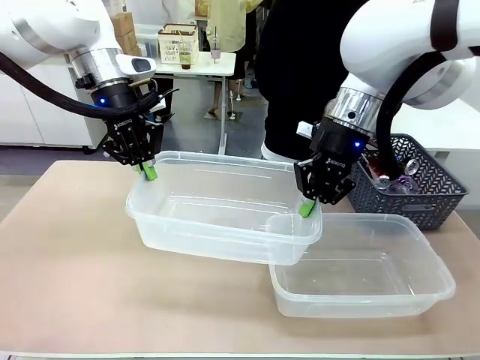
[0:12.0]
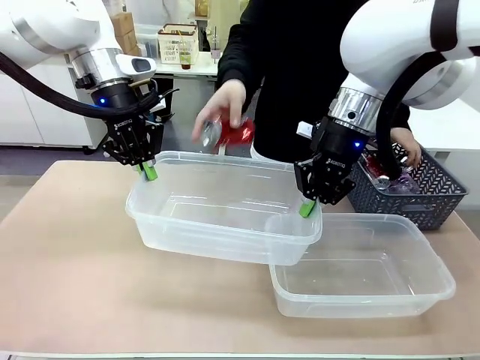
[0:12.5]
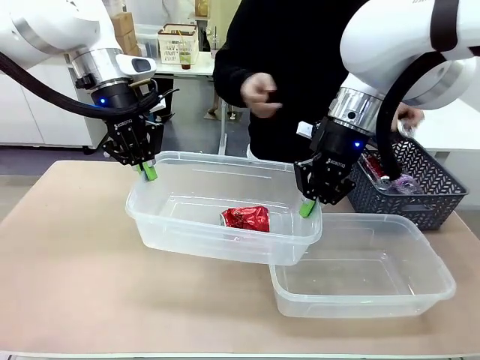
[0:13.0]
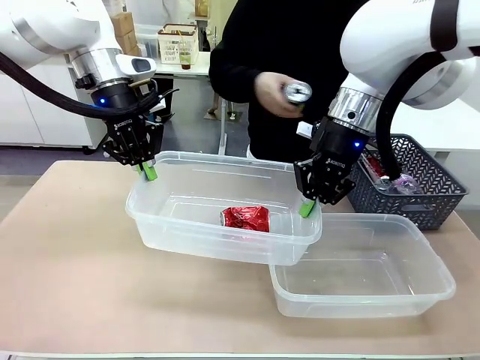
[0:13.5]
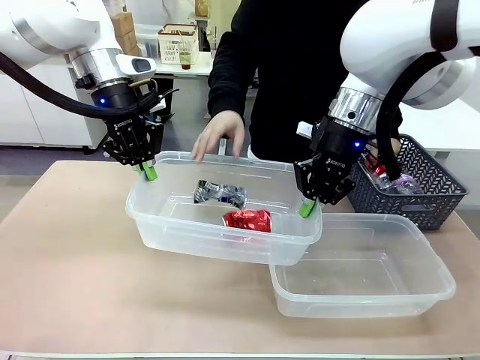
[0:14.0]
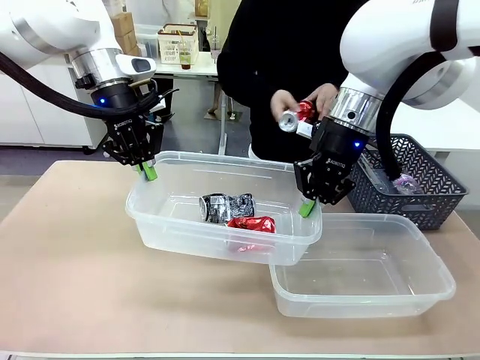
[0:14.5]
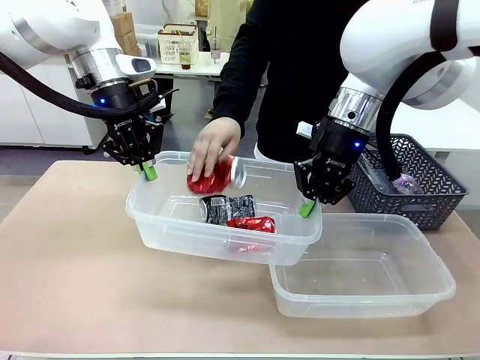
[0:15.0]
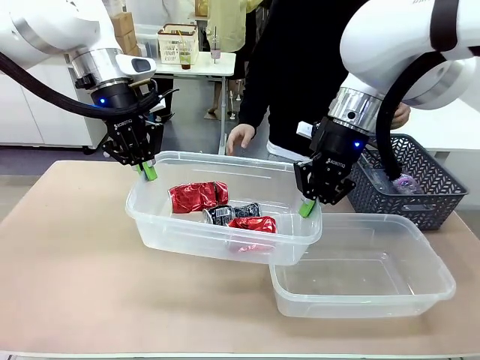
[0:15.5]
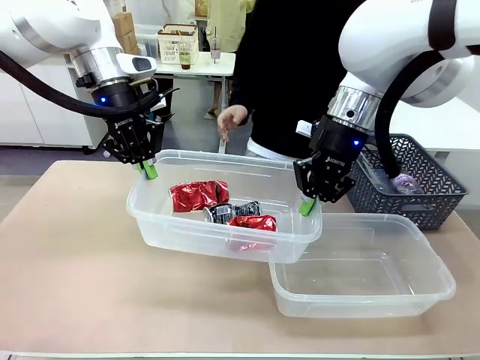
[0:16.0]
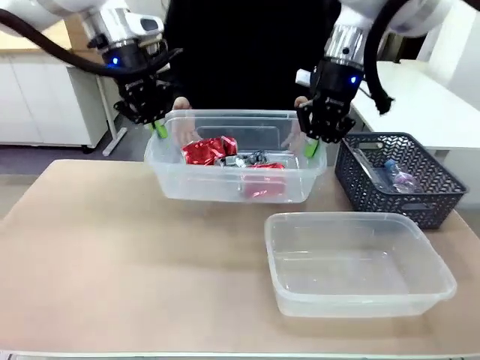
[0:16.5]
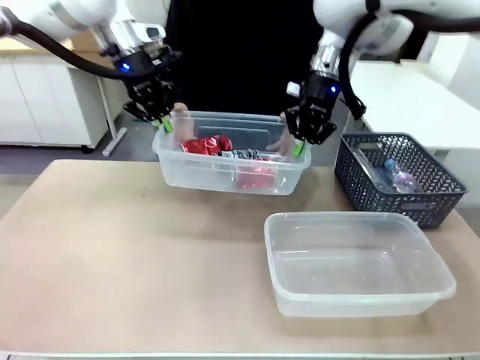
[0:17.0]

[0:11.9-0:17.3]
Robot: Offer the picked Organizing box to the human.

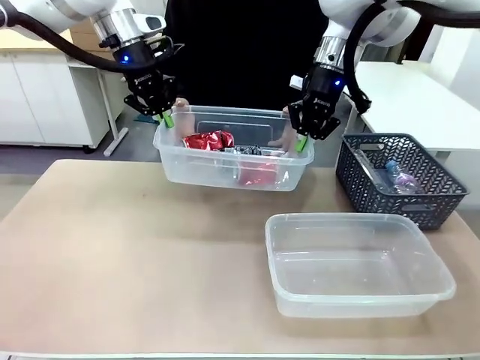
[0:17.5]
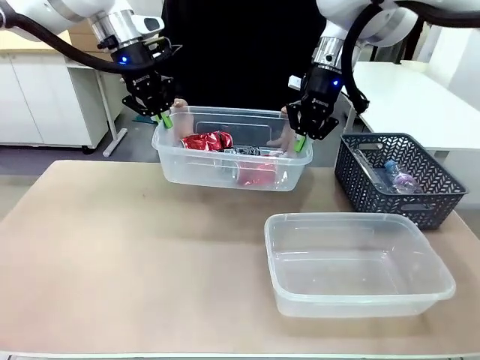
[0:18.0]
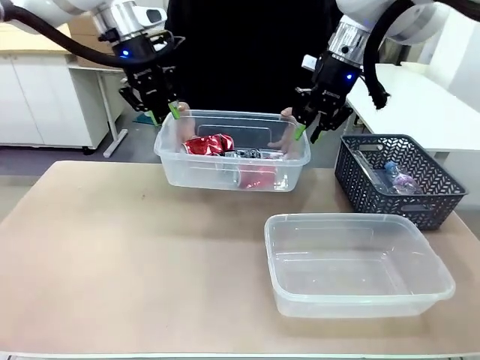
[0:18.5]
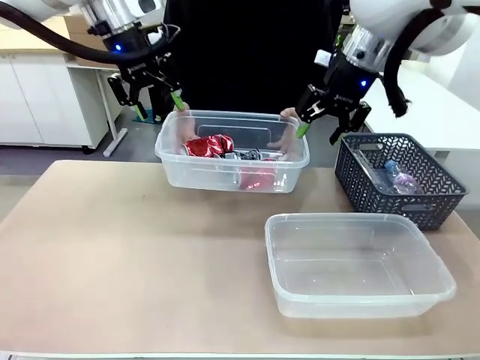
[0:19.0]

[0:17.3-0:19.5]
Robot: Release the Organizing box you were holding.

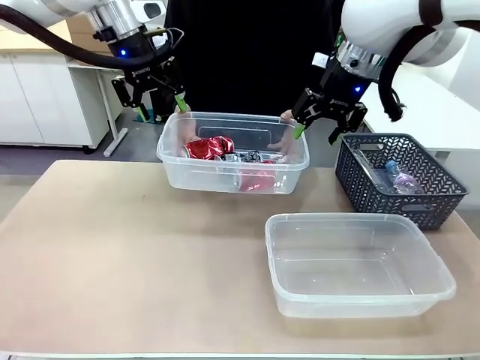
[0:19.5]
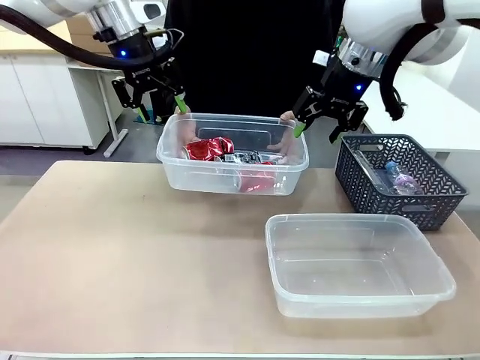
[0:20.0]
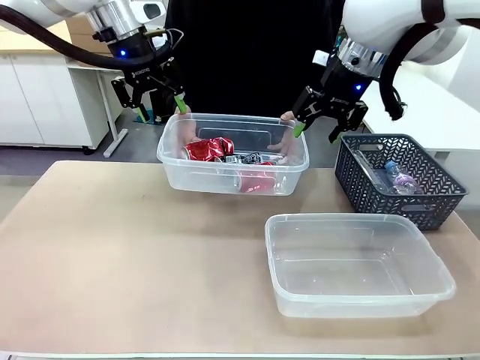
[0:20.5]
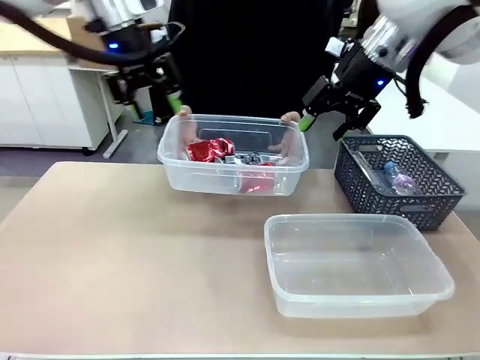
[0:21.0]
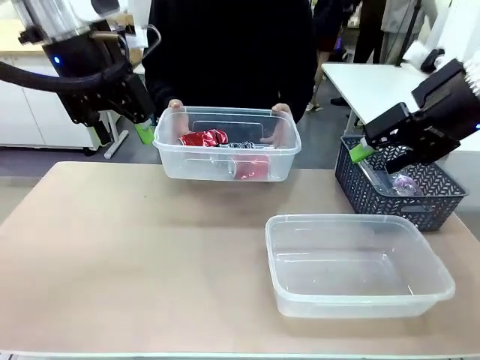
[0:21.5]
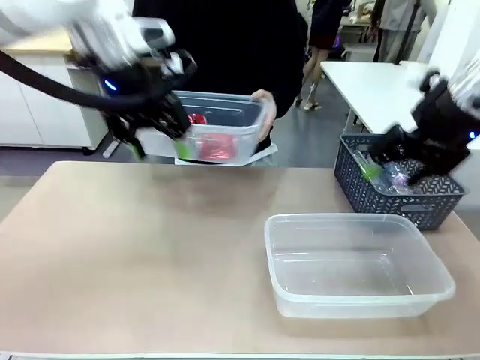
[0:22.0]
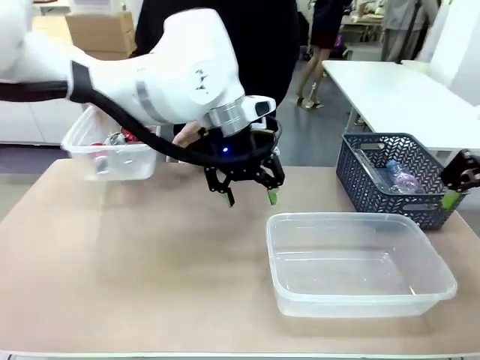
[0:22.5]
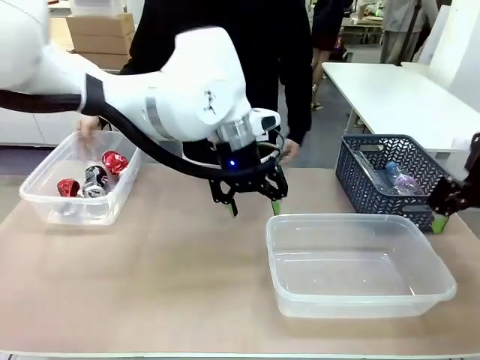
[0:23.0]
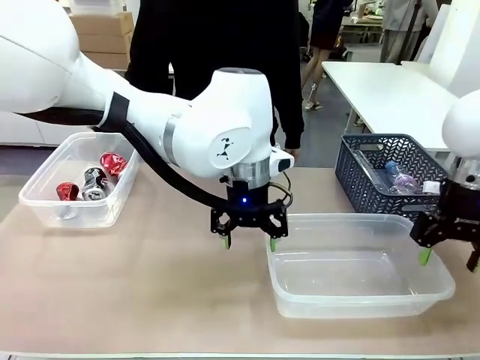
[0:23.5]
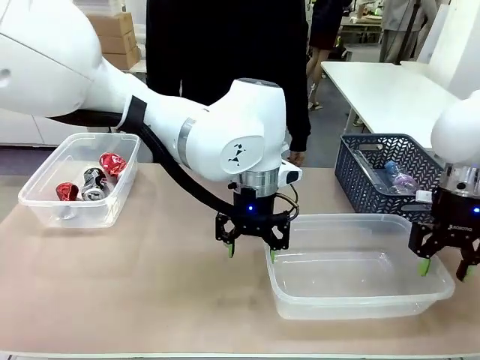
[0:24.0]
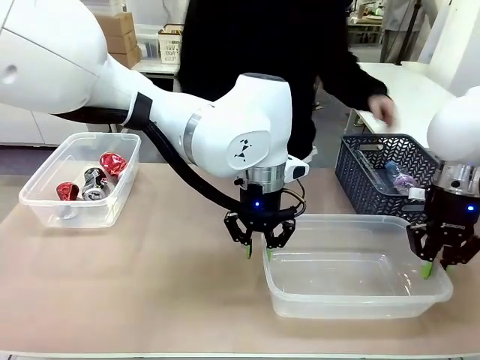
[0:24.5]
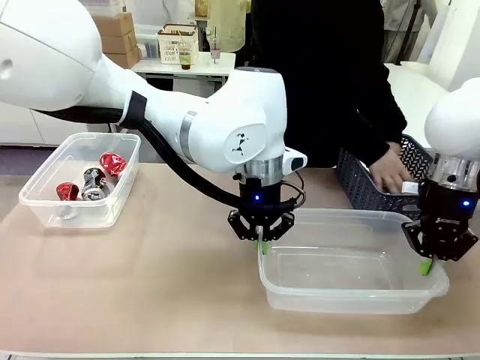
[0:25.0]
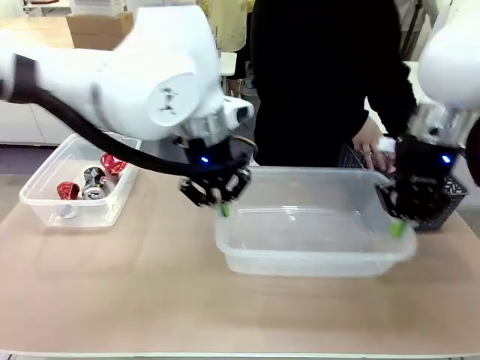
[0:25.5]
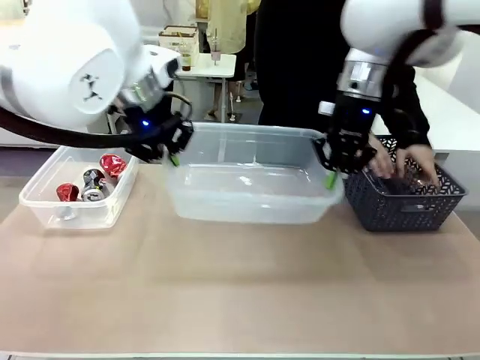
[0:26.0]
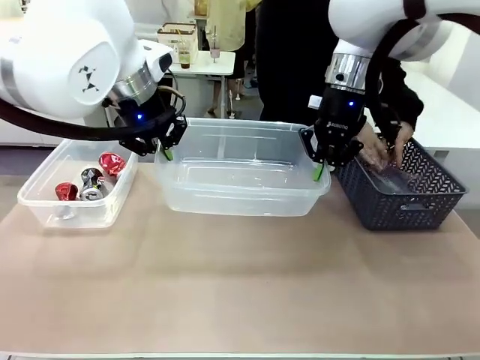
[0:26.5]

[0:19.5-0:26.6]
Robot: Pick up the Organizing box on the right side of the table and lift it.
Person: Place it at the edge of the bottom right area of the robot table.

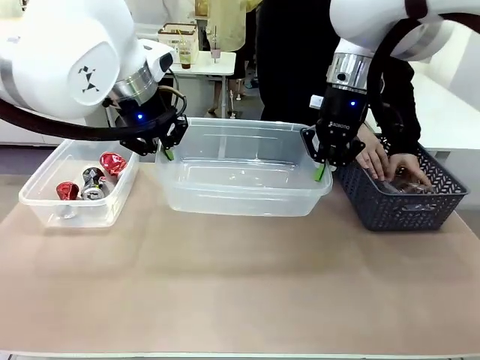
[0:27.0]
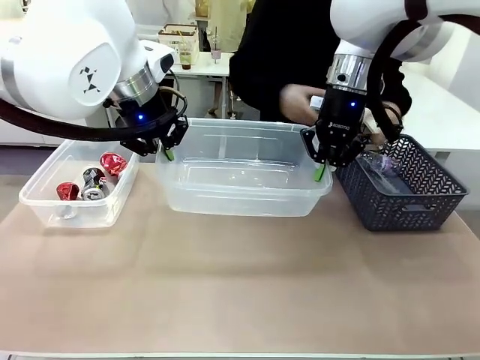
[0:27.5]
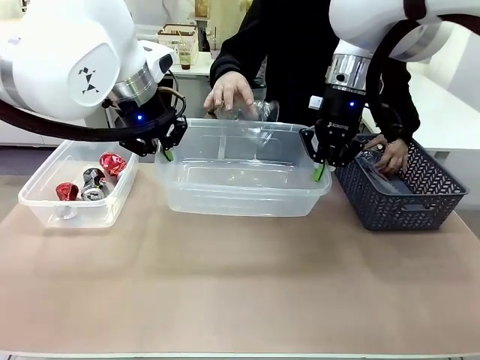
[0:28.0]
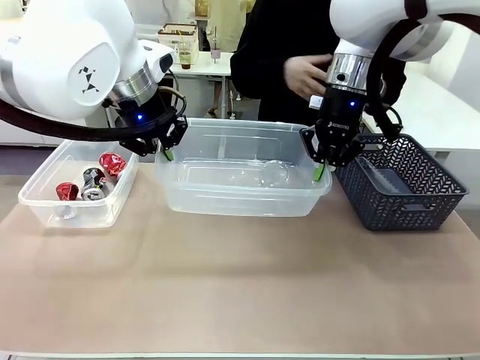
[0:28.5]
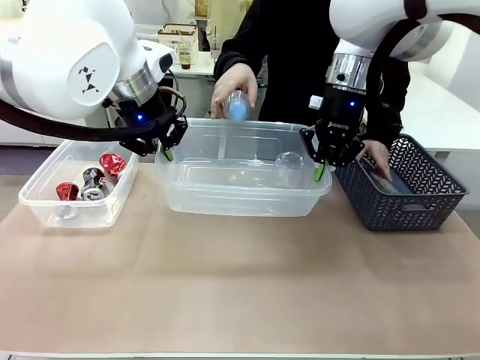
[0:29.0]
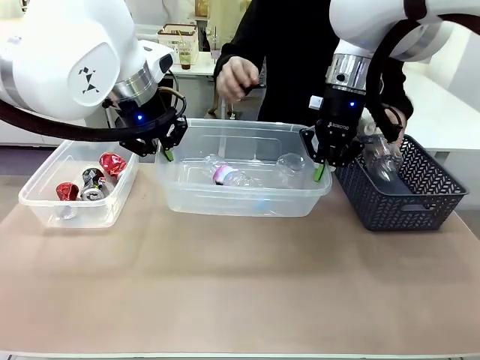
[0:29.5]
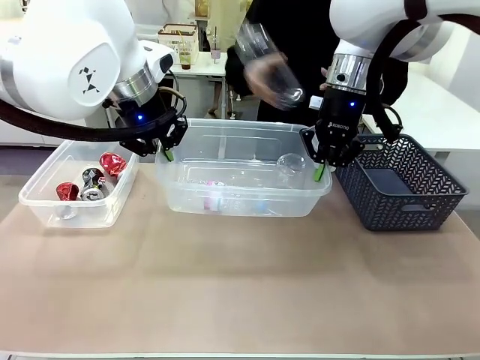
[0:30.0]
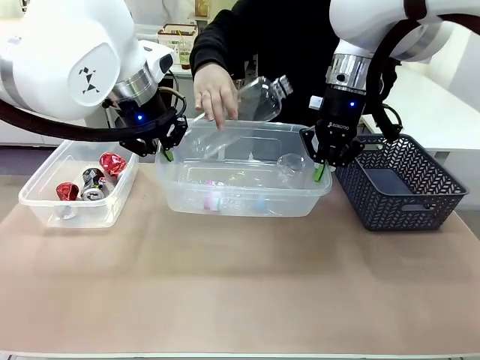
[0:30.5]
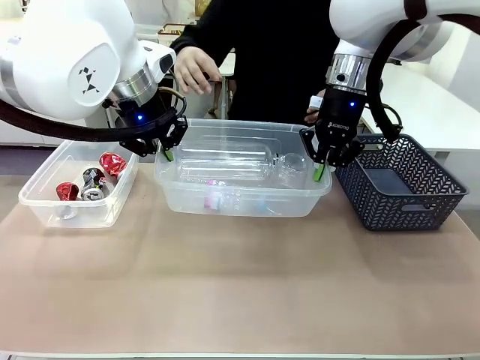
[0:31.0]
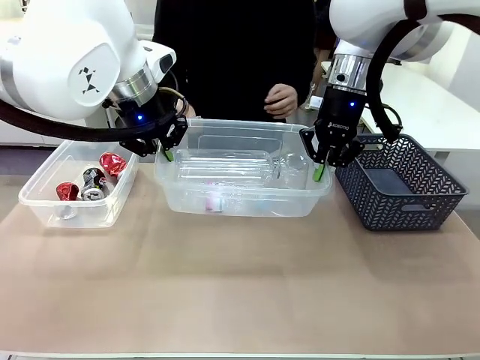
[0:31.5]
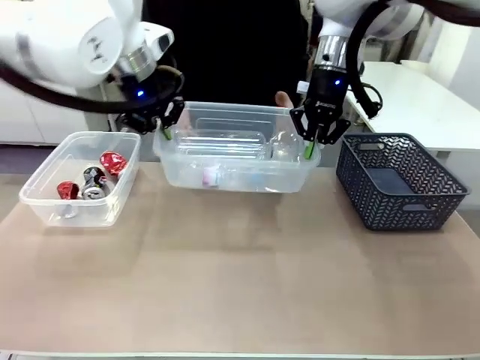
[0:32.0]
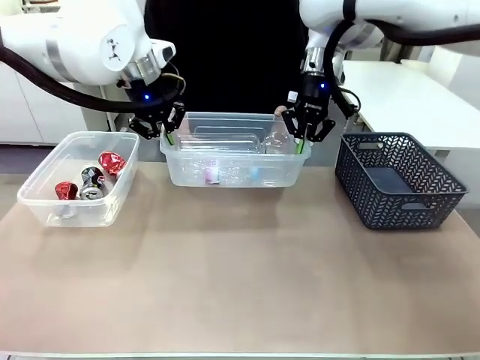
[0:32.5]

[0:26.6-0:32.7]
Robot: Offer the picked Organizing box to the human.
Person: Pick up plastic waste one by one and place it into the organizing box lifted by the robot.

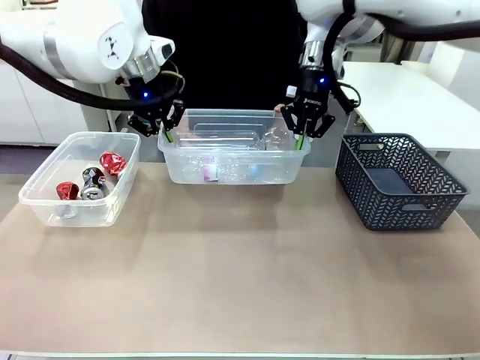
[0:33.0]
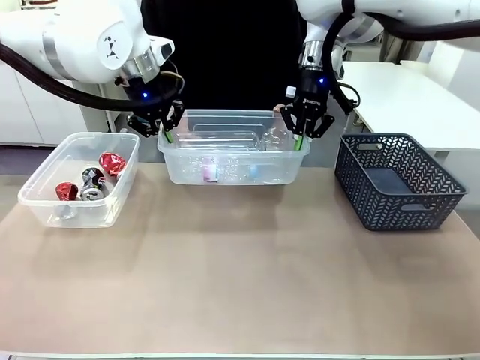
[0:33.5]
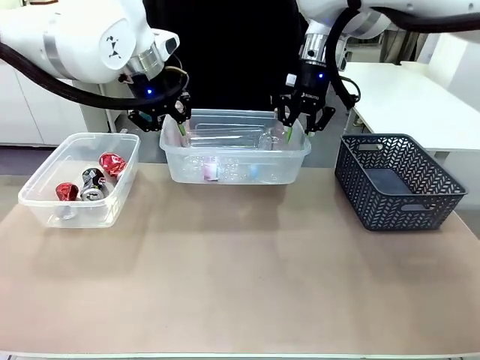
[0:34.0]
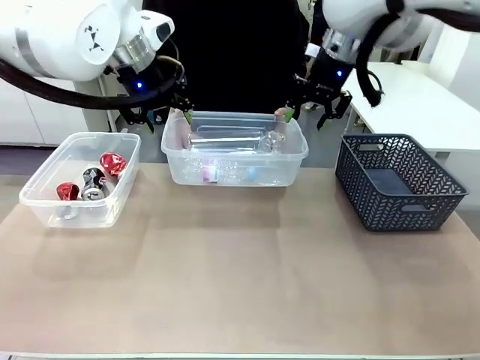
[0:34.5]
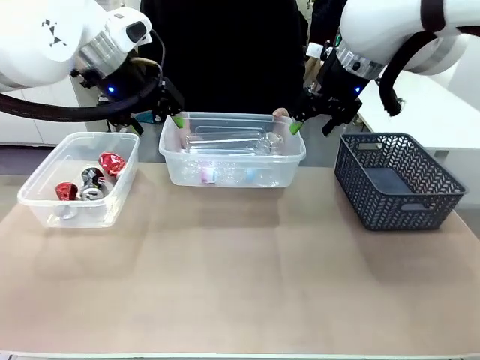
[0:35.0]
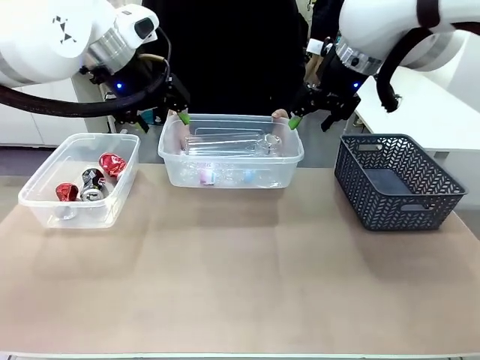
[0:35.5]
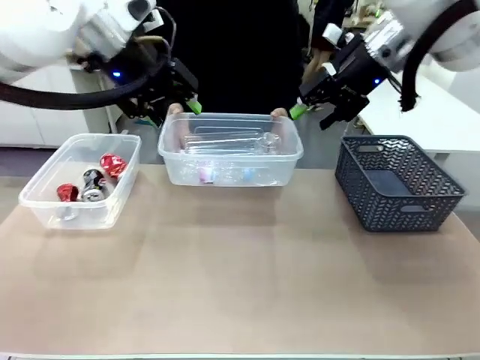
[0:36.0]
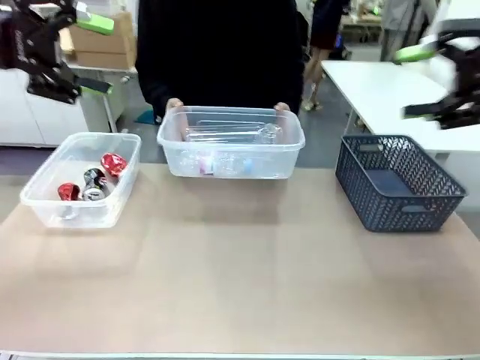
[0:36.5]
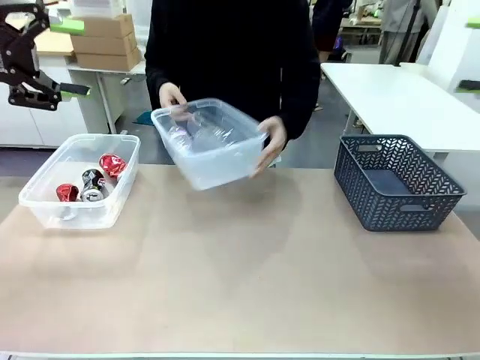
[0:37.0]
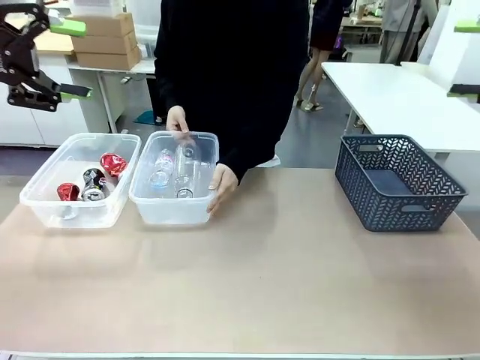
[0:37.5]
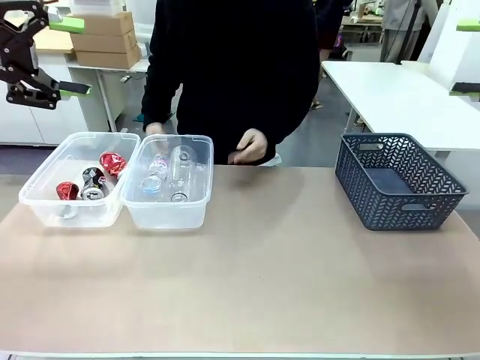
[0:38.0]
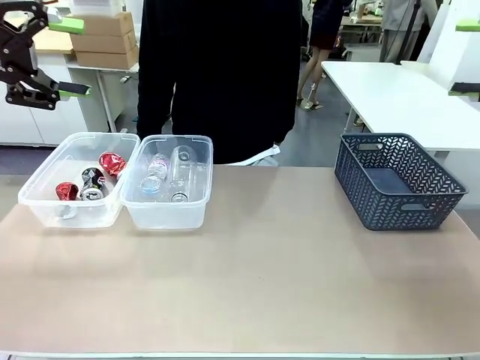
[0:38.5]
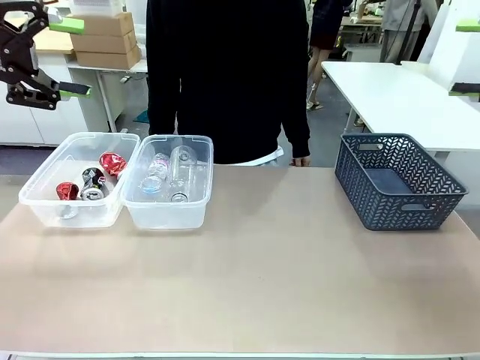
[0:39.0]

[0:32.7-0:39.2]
Robot: Release the Organizing box you were holding.
Person: Pick up the organizing box extended by the robot. Place the organizing box to the left of the sorting box containing the can waste.
